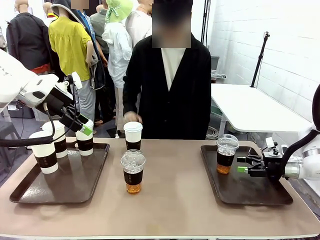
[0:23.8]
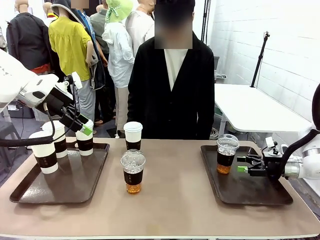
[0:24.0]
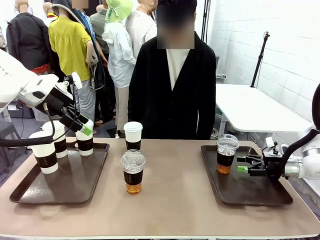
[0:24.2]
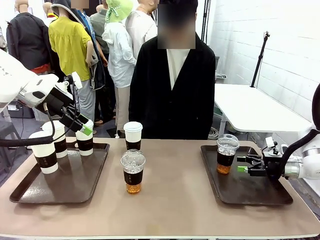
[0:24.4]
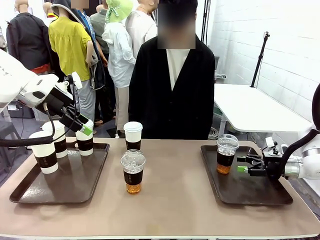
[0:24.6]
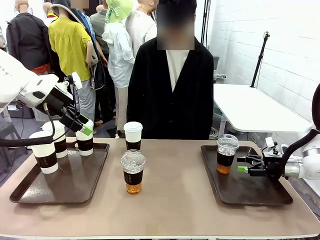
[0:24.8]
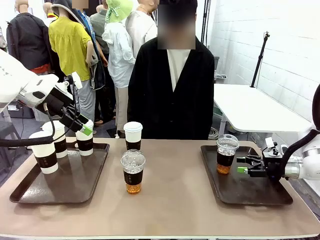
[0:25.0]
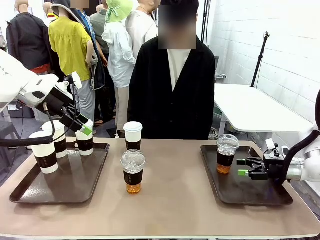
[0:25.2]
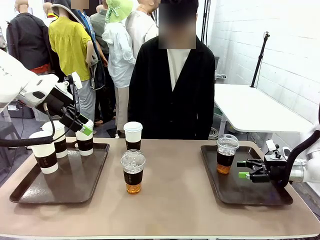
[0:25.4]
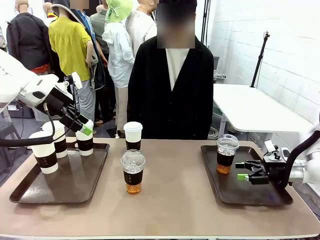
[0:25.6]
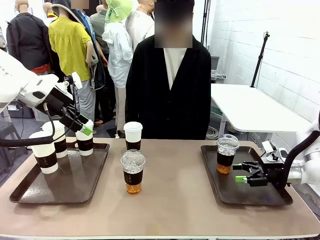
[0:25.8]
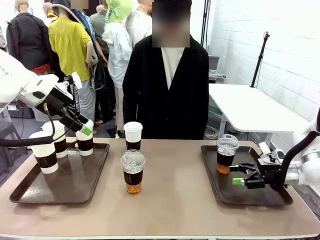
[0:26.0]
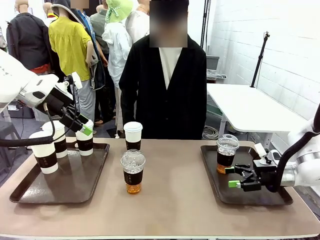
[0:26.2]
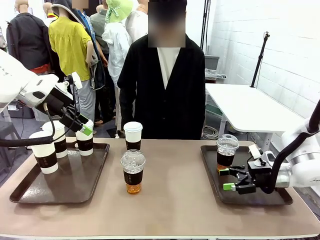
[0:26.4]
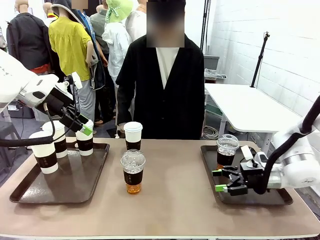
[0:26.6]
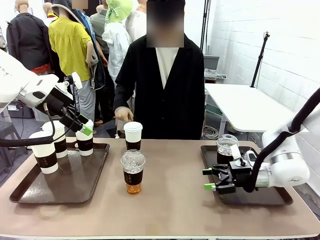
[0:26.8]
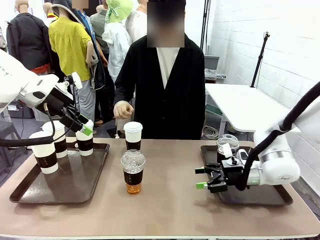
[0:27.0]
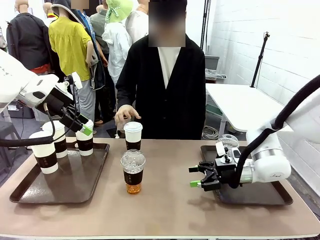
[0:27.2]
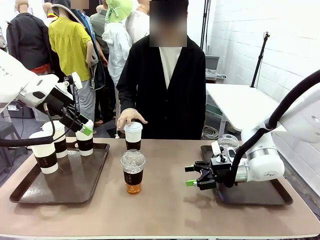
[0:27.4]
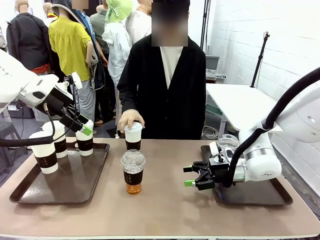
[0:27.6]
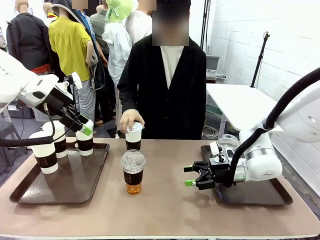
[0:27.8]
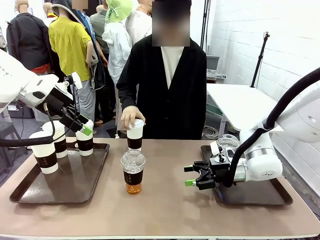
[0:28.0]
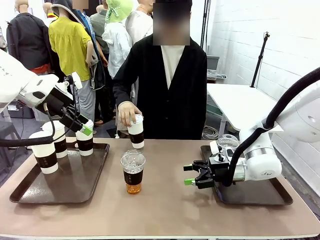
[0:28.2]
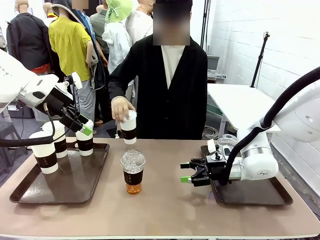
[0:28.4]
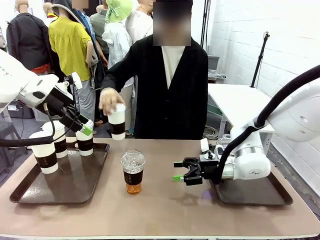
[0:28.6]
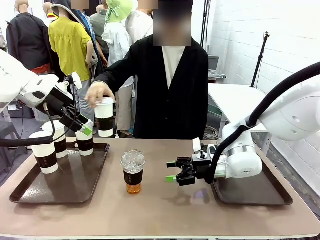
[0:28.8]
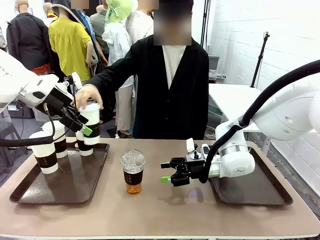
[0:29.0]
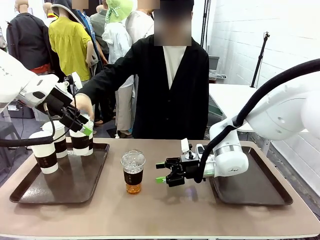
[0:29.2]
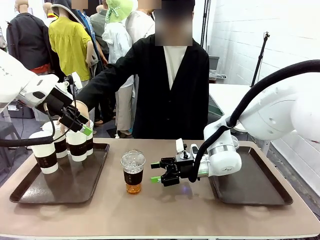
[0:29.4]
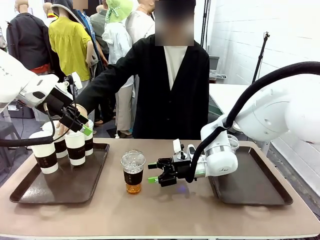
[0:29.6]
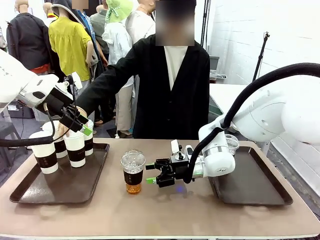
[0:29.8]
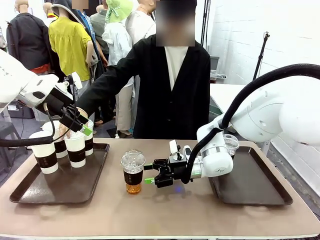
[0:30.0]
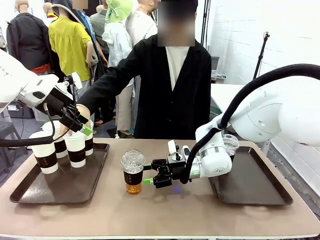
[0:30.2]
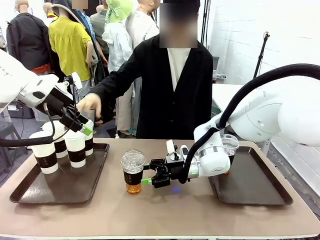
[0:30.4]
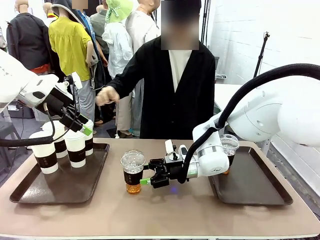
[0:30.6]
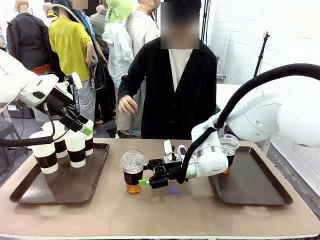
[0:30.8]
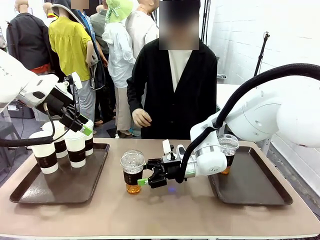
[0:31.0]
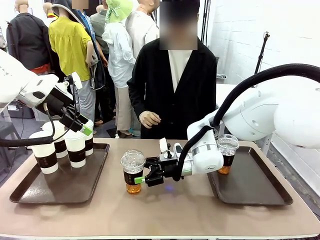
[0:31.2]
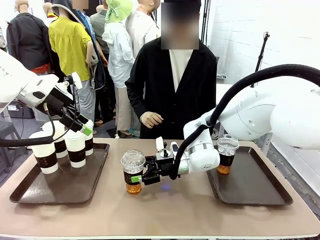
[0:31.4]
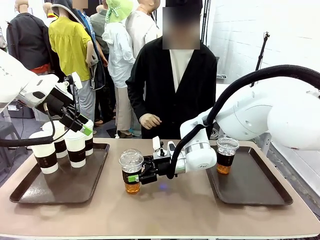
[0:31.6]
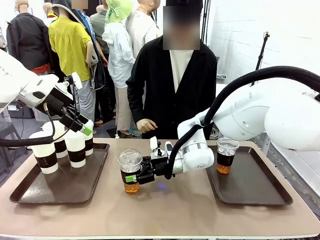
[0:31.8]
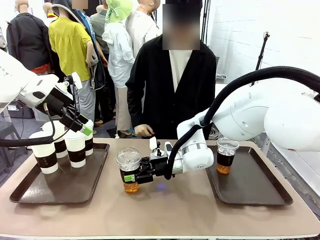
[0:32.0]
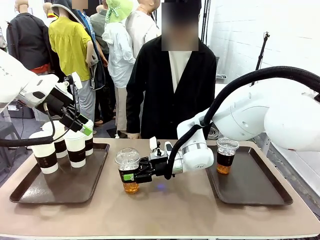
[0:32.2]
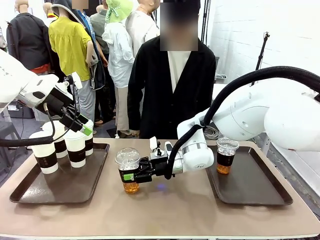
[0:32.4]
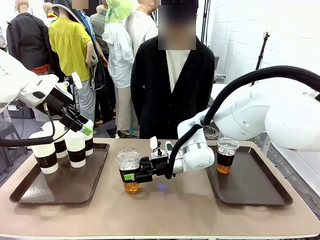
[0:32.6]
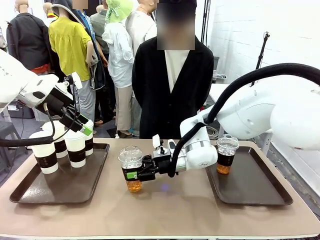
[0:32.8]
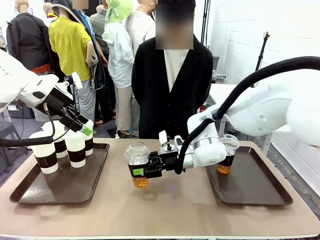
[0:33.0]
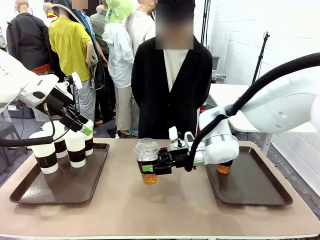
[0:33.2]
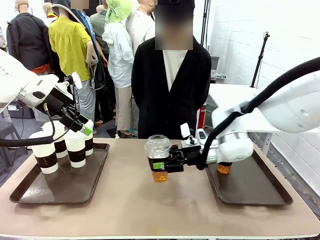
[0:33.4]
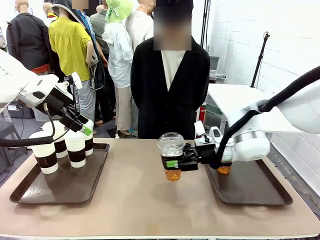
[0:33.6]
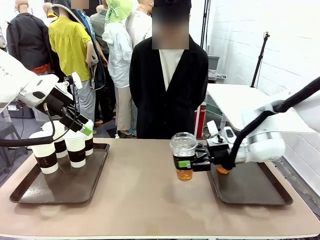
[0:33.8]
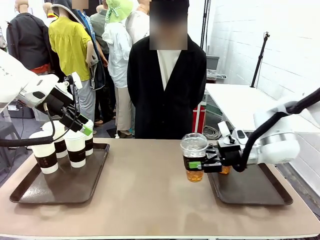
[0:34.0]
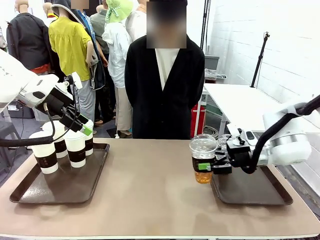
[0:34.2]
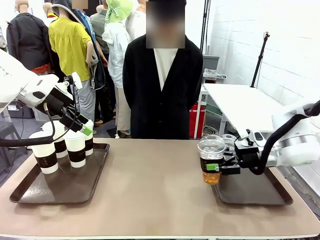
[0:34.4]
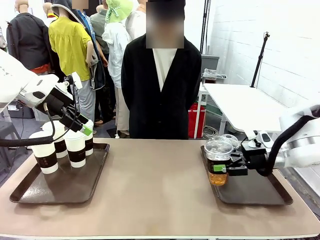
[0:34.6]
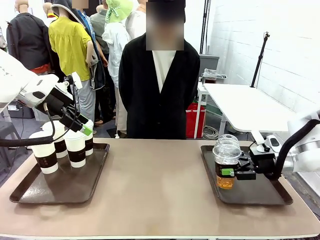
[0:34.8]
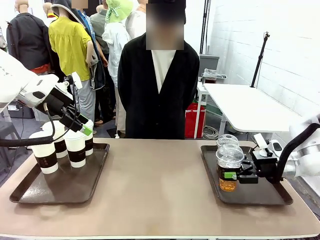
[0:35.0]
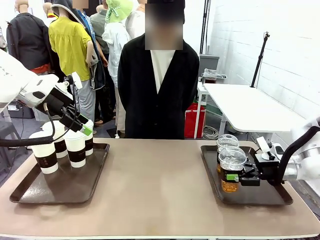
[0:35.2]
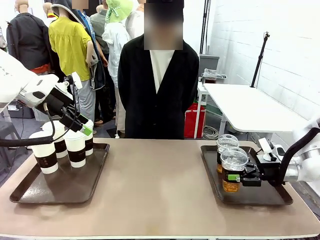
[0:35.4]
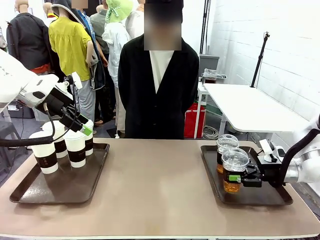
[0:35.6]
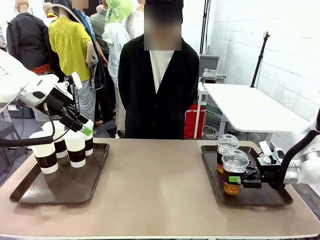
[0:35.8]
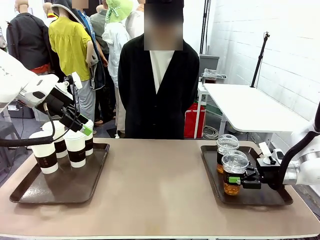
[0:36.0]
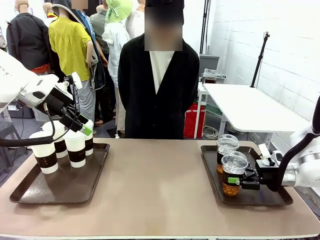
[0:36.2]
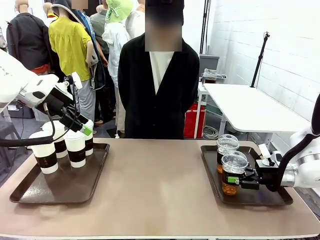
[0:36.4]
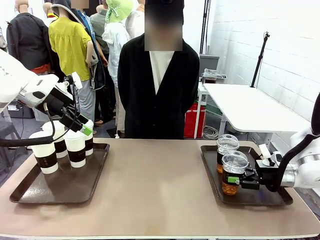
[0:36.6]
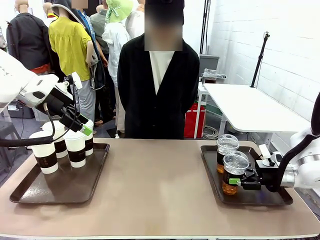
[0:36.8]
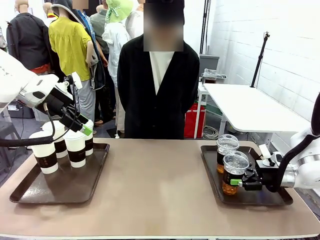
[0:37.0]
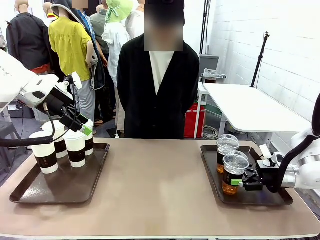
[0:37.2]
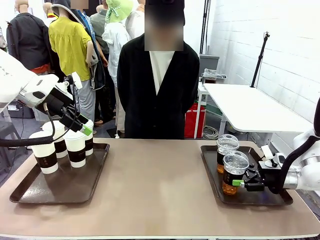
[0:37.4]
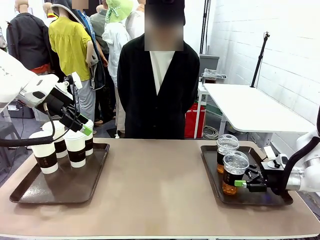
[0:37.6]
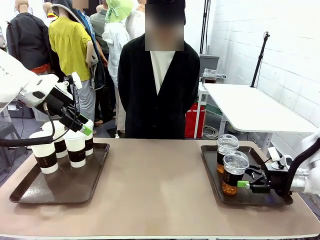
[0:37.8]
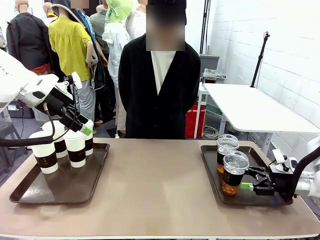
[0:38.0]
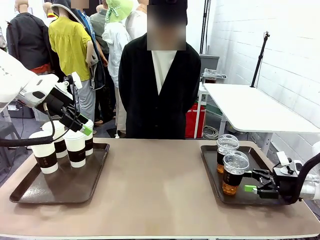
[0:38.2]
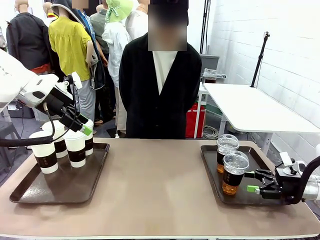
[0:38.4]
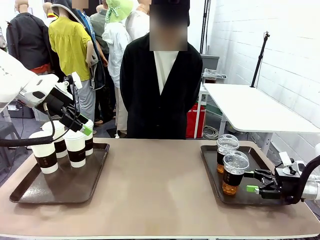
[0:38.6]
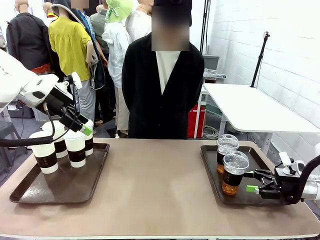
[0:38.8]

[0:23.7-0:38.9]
Task: Distribute the coffee onto the tray.
Robot: Pick up another iced Americano from the middle of the table and place it on the right Handle tray.
Person: Pick up a cup of hot Americano from the middle of the table and place it on the right tray.

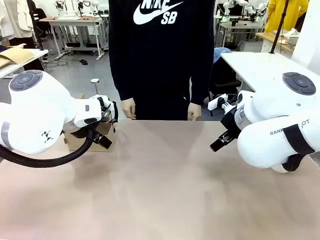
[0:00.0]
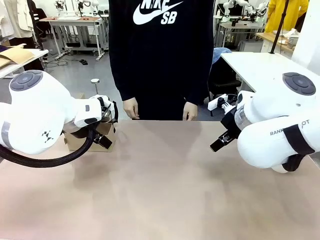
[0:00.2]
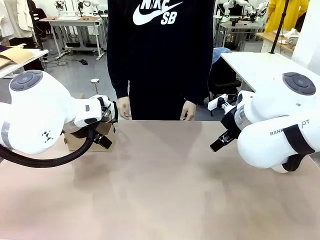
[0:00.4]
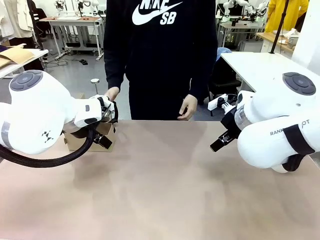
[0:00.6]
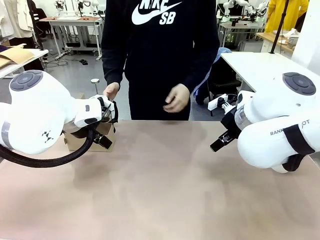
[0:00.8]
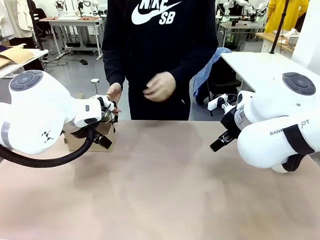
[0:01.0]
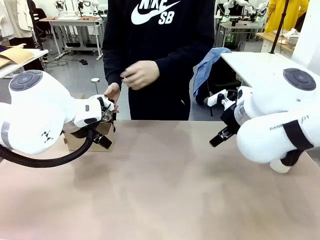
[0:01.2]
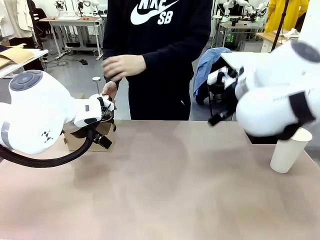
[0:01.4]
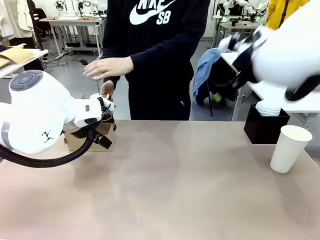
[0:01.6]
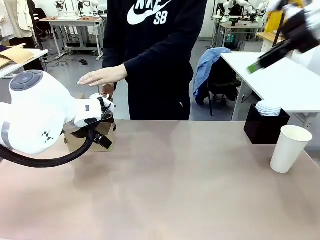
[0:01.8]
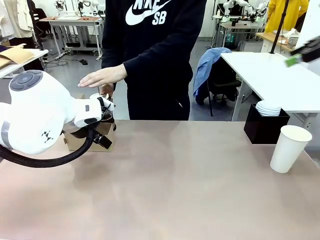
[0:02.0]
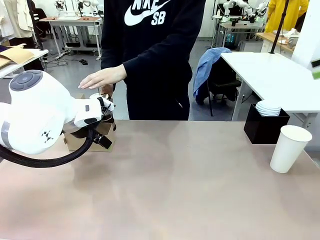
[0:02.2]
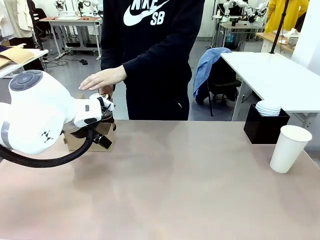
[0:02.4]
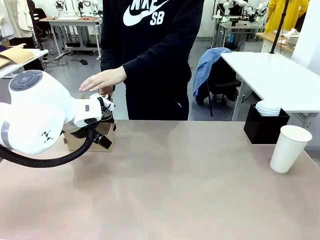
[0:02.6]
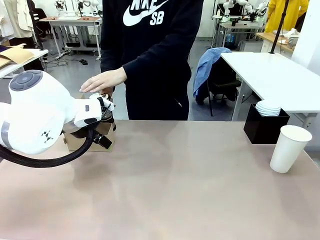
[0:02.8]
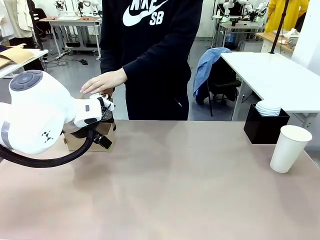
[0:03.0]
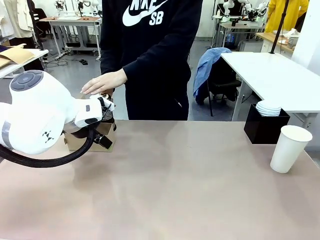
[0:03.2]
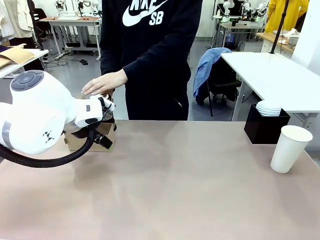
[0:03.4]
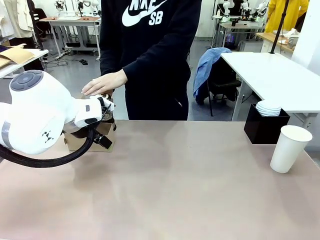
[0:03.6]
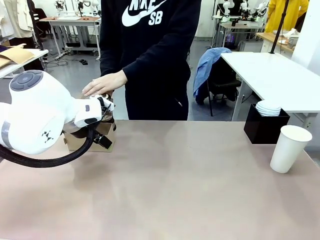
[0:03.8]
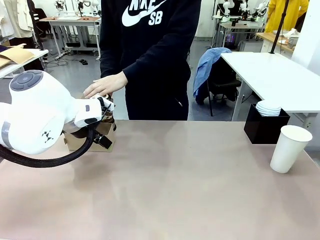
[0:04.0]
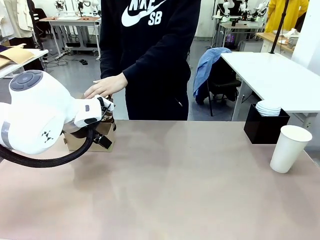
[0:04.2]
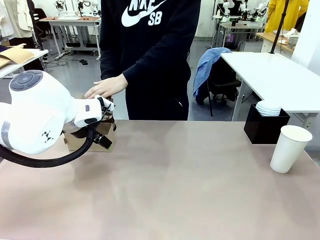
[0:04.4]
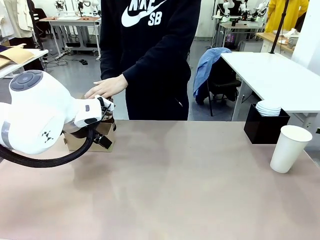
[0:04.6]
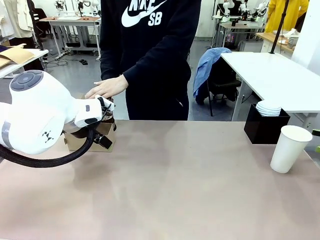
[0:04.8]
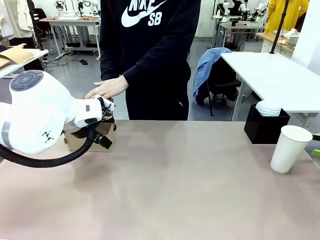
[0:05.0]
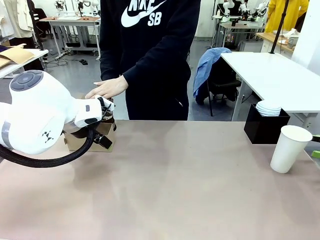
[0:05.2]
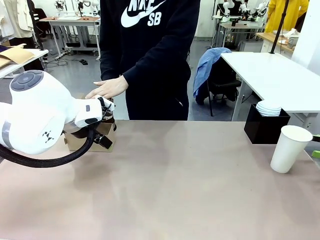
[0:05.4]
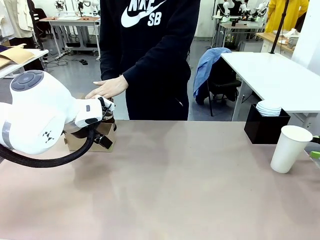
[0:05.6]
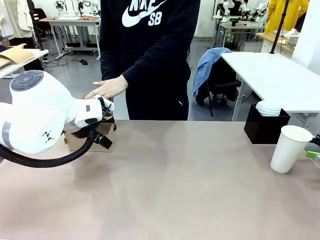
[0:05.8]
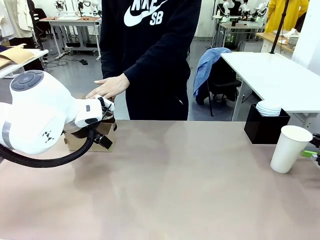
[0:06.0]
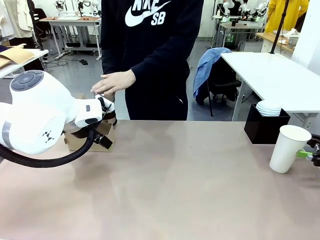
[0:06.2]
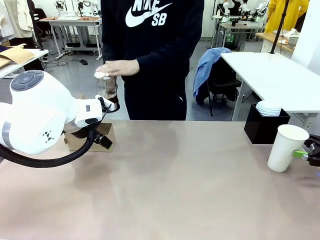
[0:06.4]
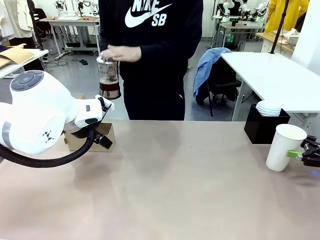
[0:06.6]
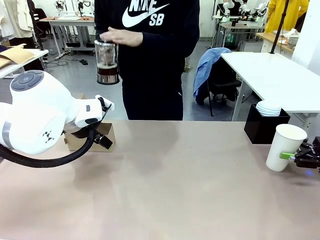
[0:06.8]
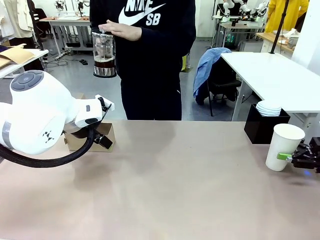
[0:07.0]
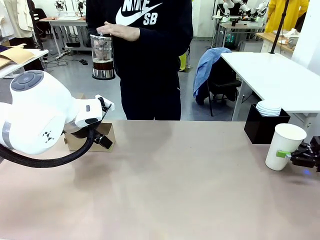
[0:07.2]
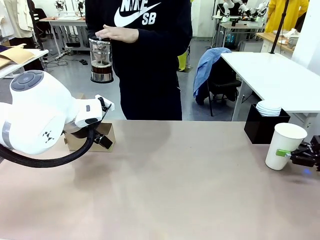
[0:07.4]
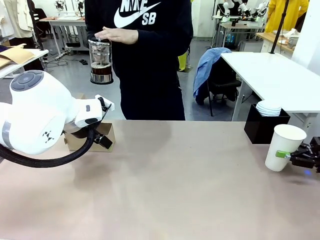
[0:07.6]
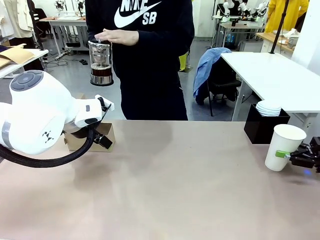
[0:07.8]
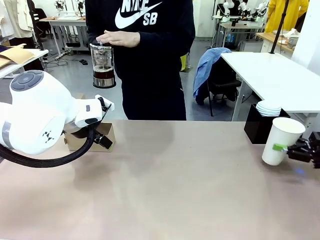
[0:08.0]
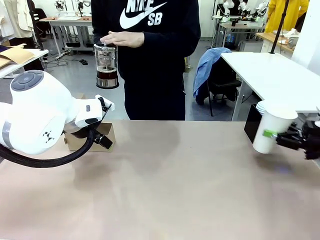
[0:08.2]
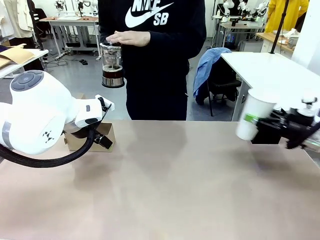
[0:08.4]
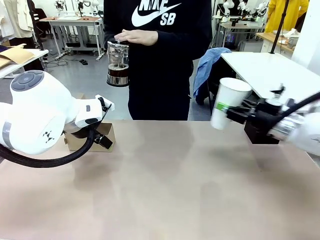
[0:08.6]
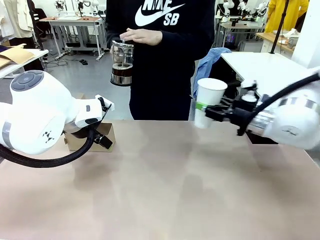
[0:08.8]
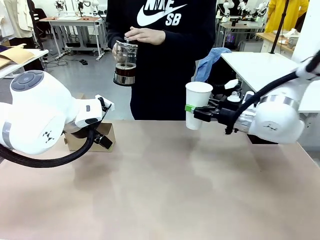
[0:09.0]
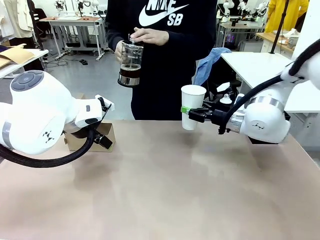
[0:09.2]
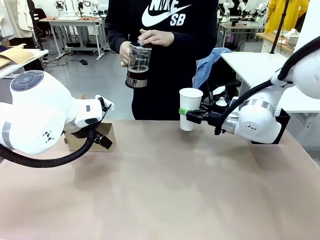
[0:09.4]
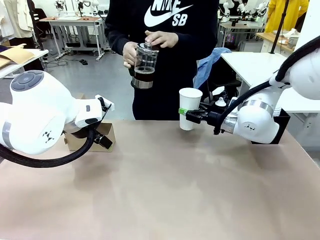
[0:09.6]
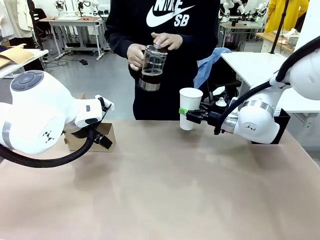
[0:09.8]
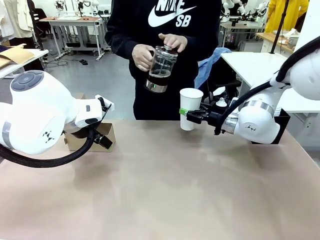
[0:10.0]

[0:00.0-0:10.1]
Task: Pour a drink into a cup and package it in a carrier.
Robot: Pick up the 600 ml Paper Cup and place it in the middle top area of the table.
Person: Press and pick up the Filter Brewing.
